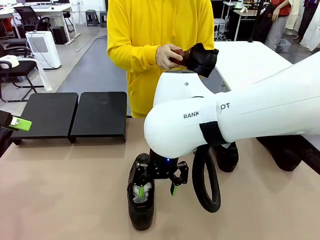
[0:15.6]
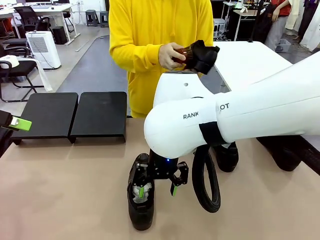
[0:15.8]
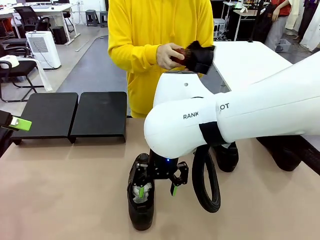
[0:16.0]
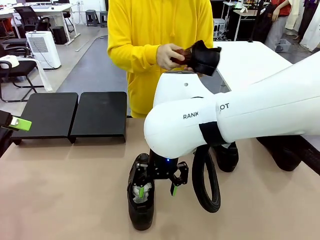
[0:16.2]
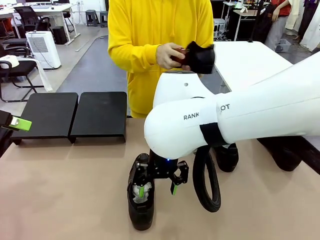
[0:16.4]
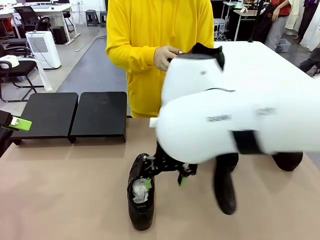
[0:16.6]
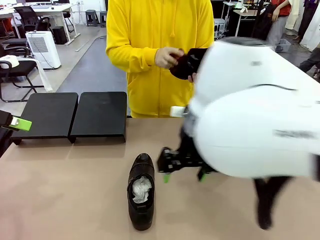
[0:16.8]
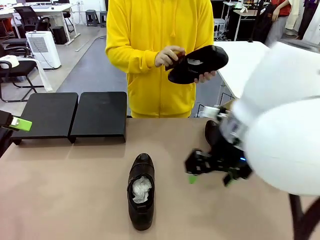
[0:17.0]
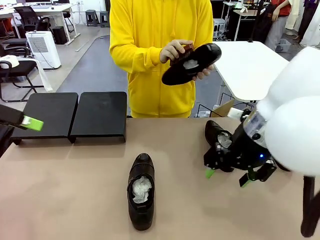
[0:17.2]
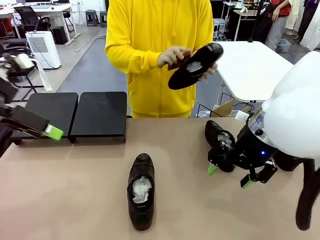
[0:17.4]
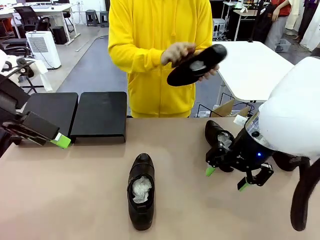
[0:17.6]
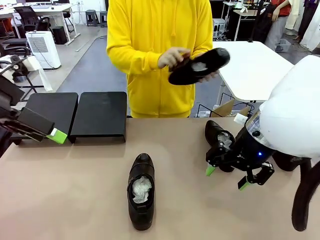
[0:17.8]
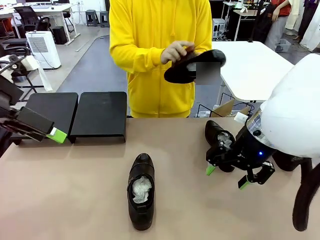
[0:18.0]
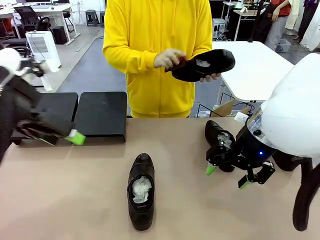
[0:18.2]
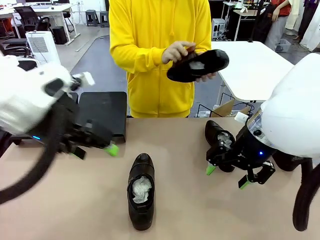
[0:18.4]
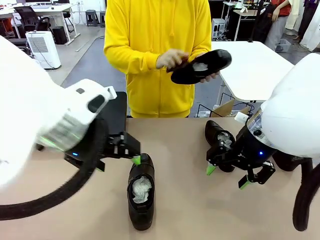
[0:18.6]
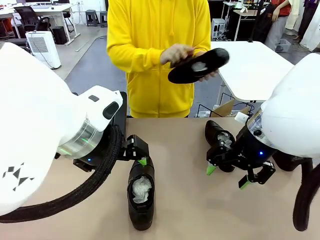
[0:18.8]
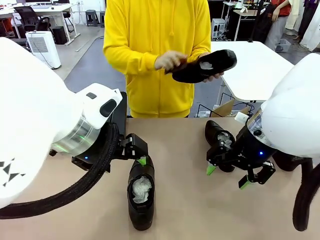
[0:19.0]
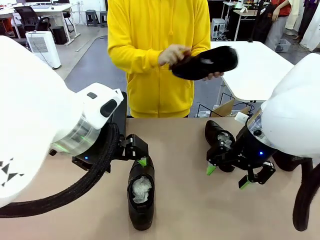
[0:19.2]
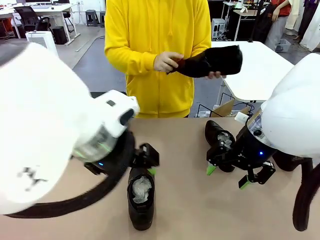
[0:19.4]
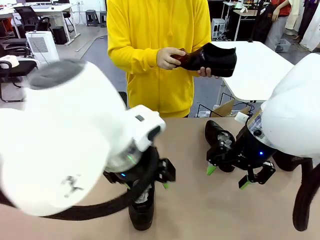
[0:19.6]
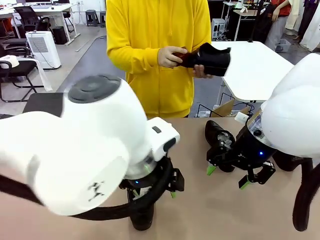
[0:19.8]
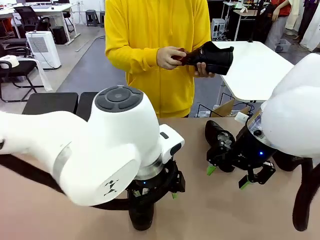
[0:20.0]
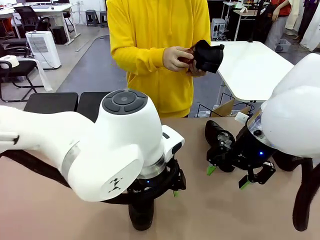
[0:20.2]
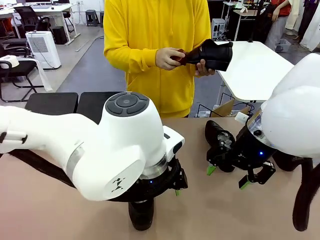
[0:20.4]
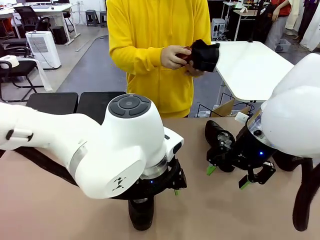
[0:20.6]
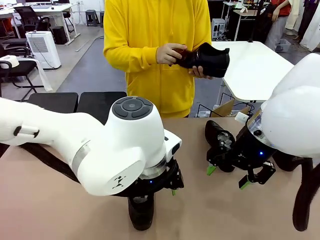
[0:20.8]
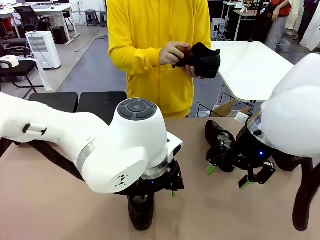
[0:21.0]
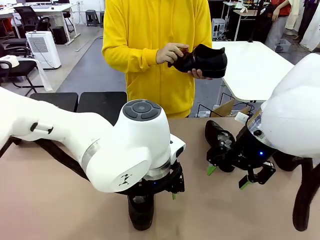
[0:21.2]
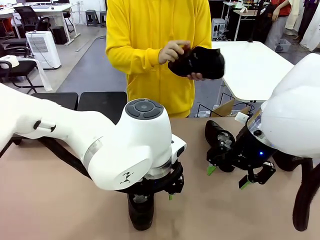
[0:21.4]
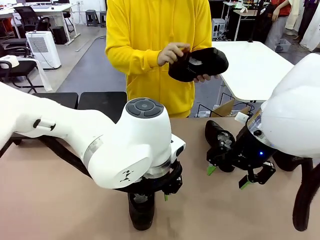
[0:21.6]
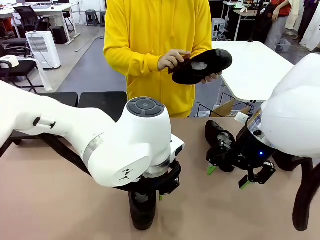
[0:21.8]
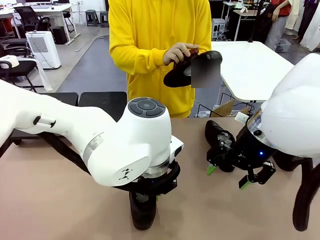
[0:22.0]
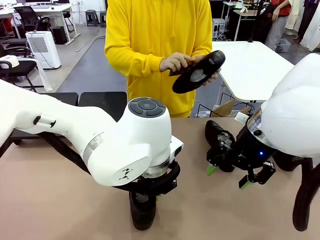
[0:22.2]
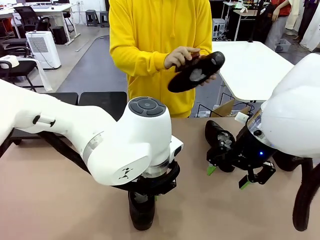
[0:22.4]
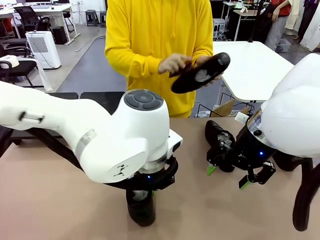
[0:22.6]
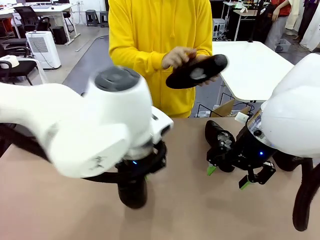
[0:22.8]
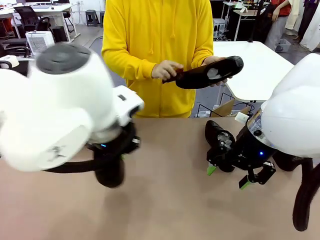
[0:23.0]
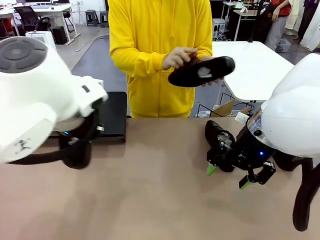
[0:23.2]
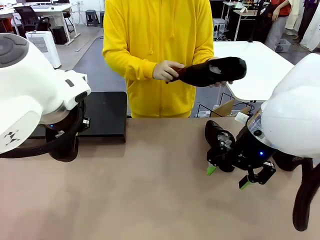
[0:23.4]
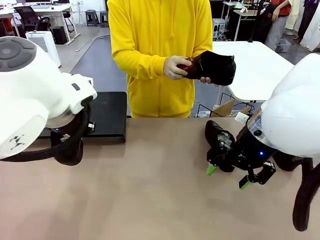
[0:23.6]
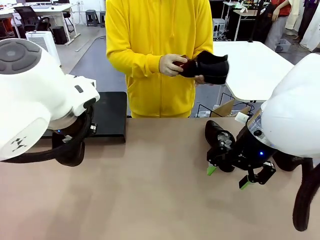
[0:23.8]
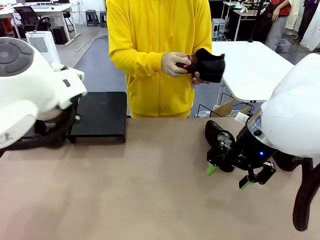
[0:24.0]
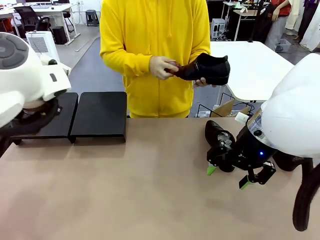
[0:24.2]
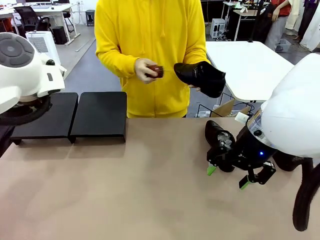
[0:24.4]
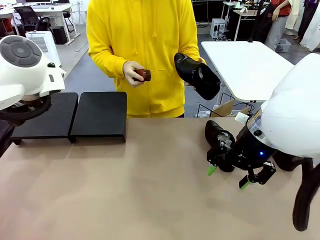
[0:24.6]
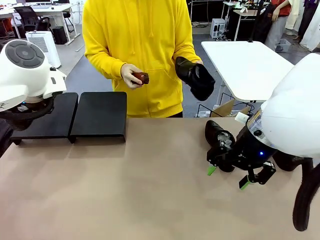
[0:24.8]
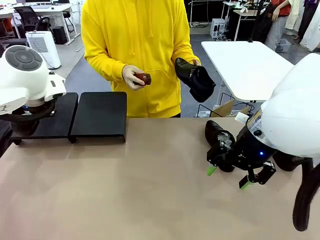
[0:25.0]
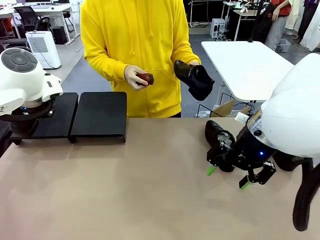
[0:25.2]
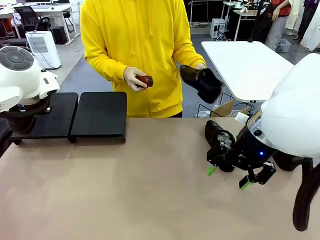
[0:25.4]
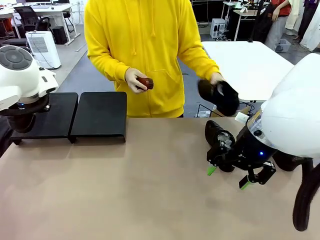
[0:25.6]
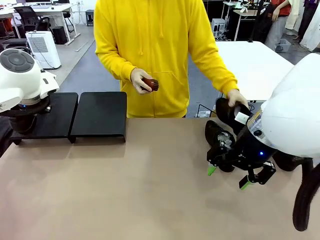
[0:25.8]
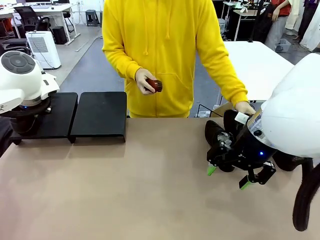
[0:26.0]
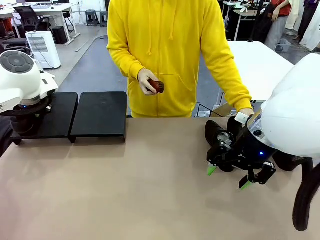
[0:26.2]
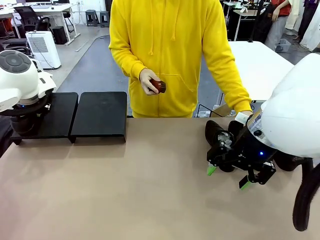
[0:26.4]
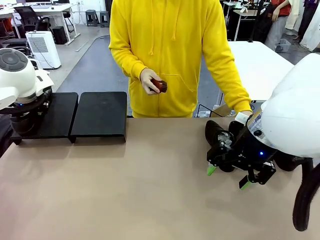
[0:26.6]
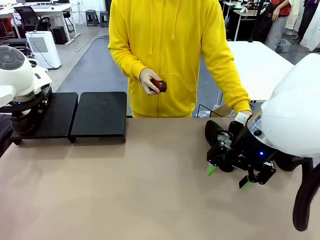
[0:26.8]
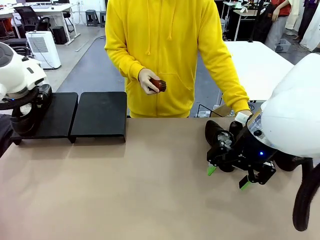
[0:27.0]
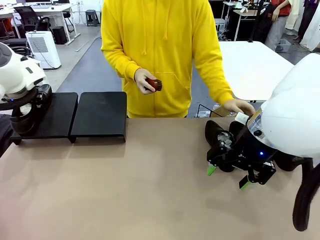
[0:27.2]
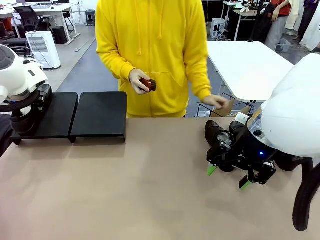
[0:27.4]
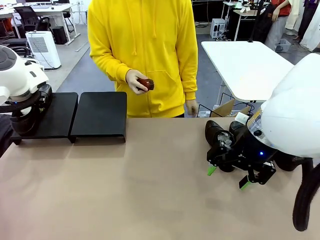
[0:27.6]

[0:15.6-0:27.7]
Task: Organize the shoes by placing them on the stand.
Robot: Place the Shoe from the middle of the table onto the Shoes Stand.
Person: Place the Shoe on left side of the Robot's table.

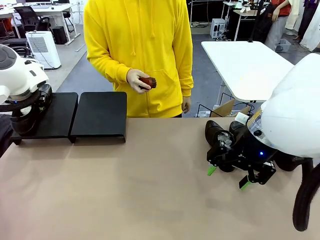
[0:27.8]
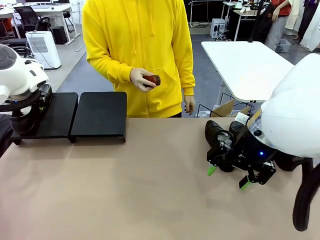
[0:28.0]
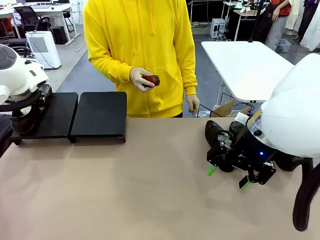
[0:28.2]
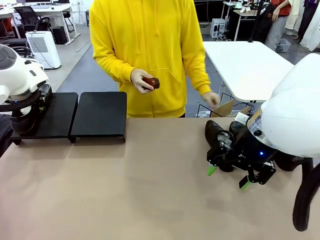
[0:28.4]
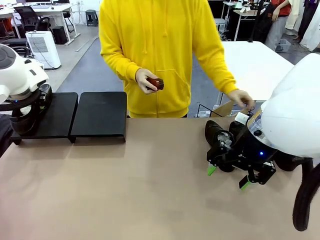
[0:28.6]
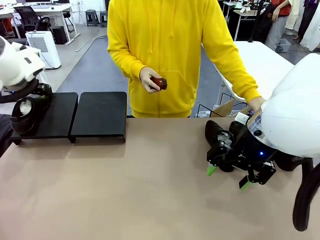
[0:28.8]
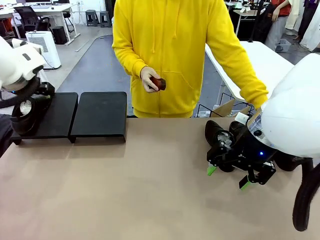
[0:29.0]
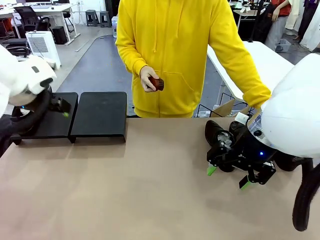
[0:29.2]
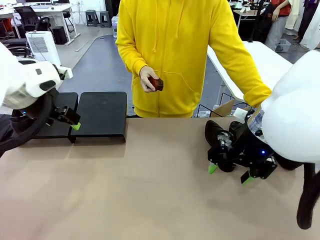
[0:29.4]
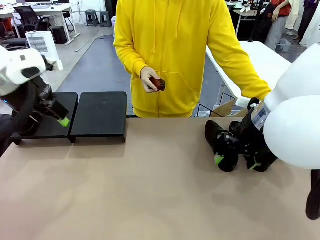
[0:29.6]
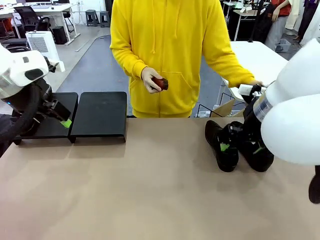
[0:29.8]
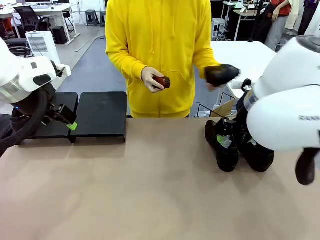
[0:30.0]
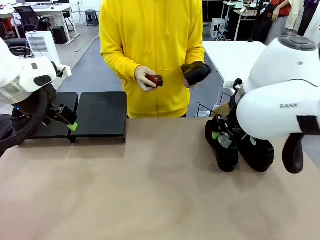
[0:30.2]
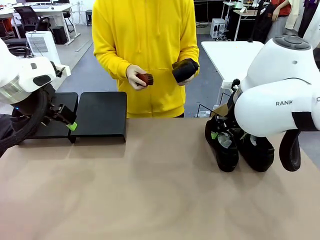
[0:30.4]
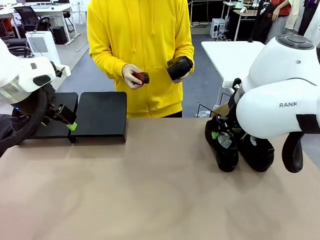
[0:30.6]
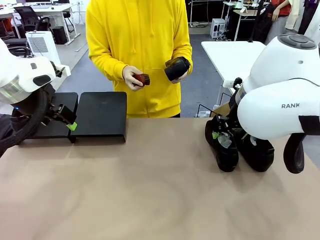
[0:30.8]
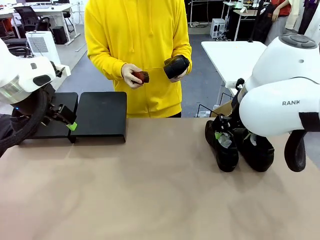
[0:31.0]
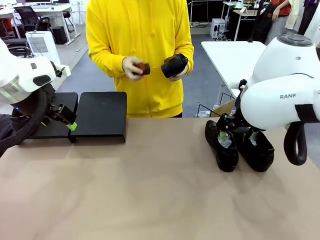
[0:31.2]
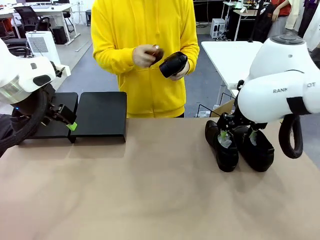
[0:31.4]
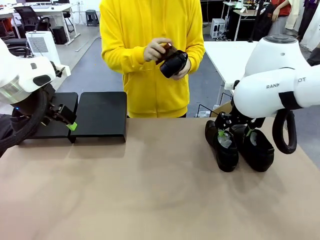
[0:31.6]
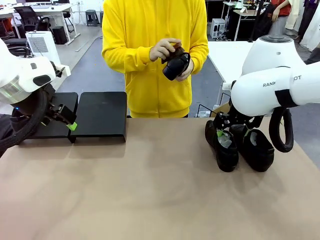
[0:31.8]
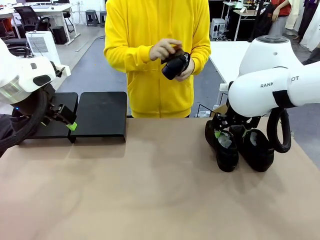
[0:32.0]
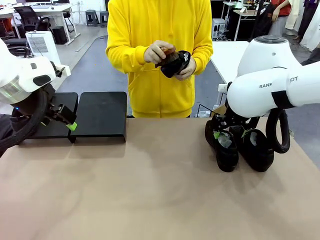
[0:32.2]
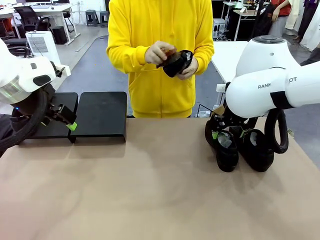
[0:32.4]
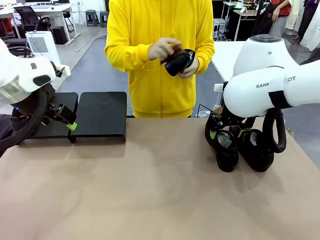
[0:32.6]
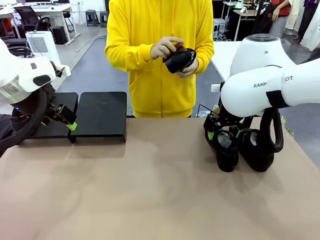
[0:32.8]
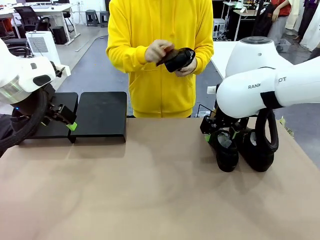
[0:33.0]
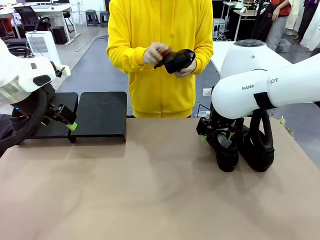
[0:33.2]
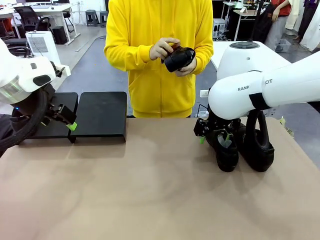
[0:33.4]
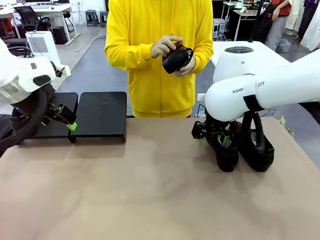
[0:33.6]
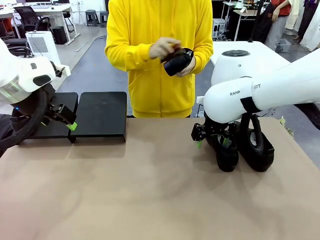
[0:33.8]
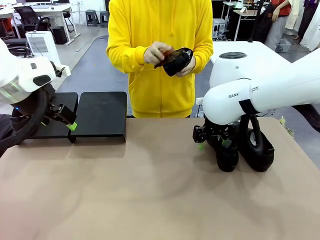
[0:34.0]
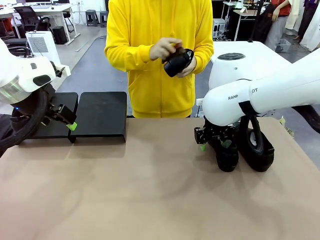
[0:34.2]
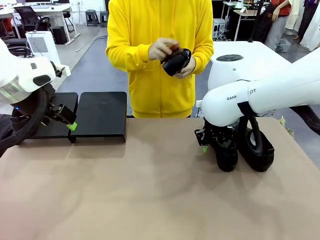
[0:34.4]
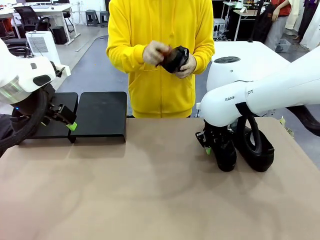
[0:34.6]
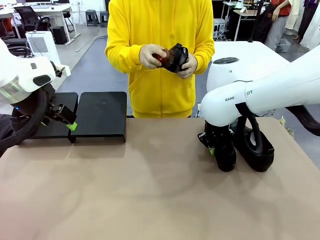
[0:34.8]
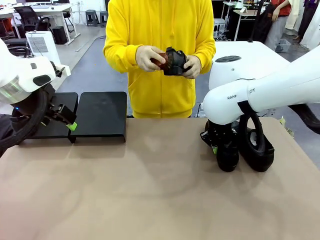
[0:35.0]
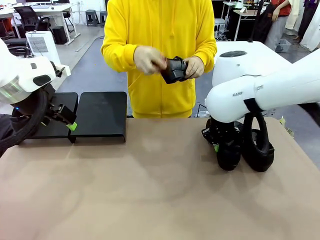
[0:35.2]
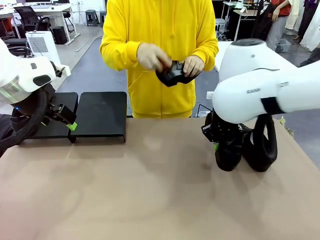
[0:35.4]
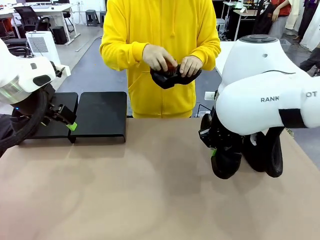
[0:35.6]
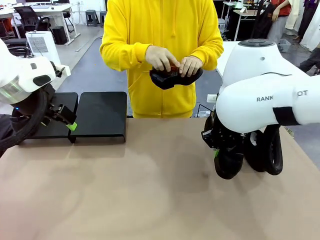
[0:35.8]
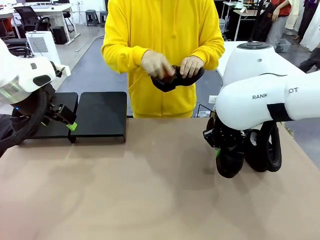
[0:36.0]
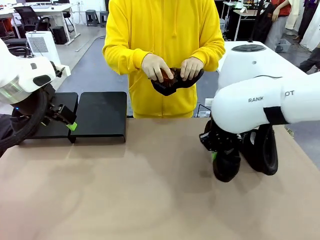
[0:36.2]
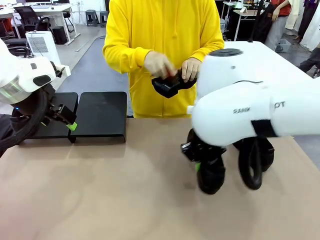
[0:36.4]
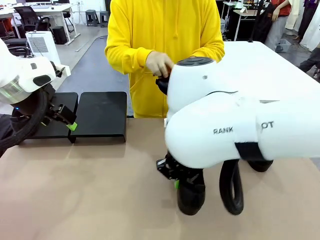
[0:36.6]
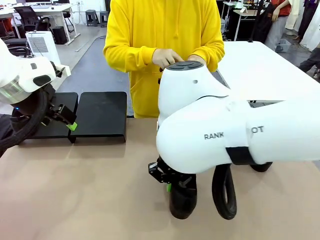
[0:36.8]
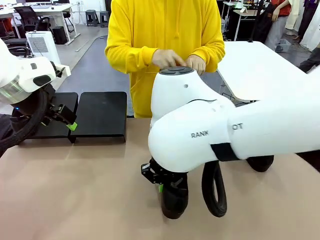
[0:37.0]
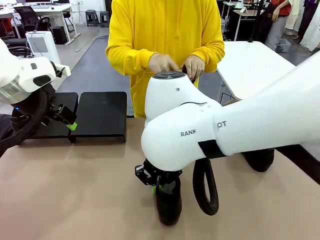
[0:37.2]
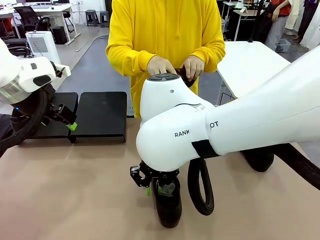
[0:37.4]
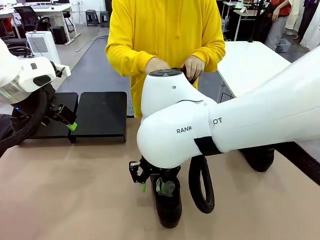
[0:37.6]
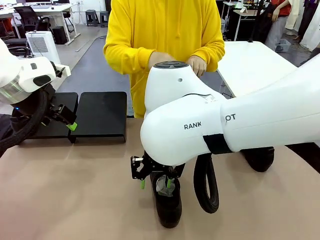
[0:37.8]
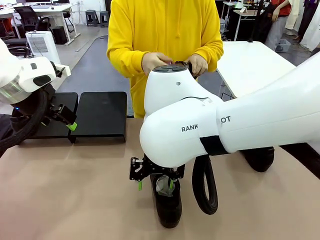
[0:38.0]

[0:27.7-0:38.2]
Robot: Pick up one Shoe and place it in the middle of the table.
Person: Pick one Shoe on Robot's table.
